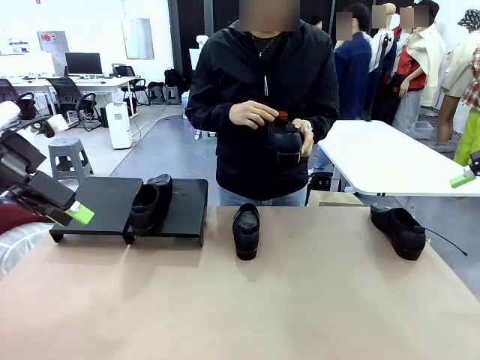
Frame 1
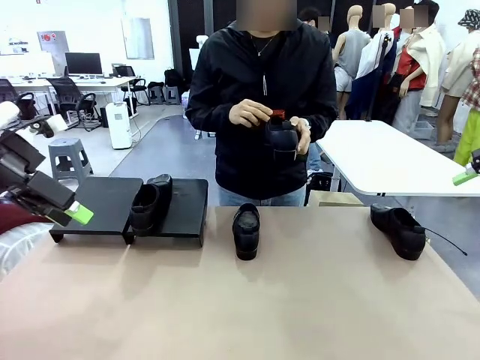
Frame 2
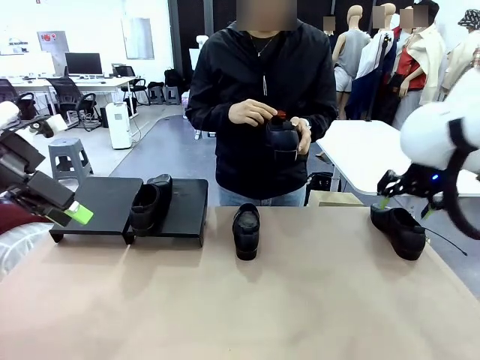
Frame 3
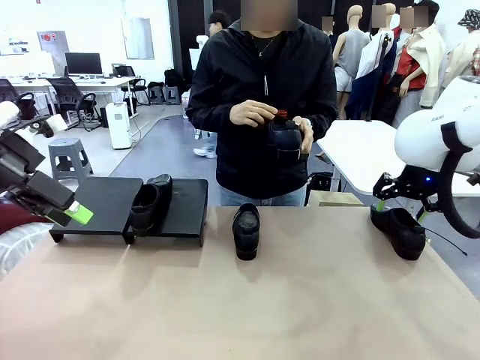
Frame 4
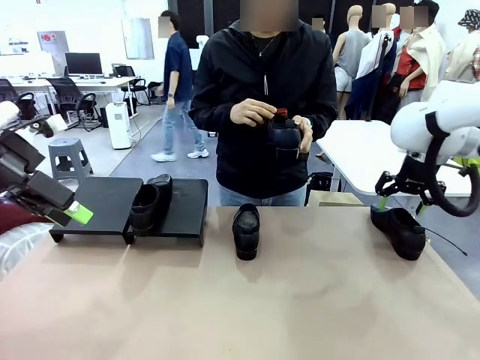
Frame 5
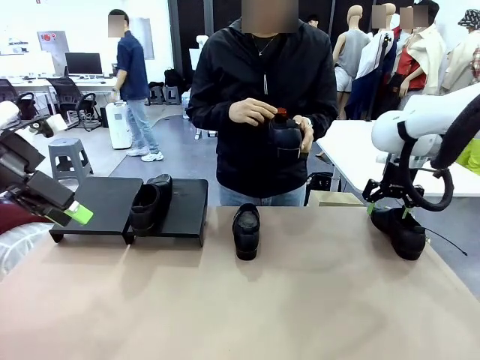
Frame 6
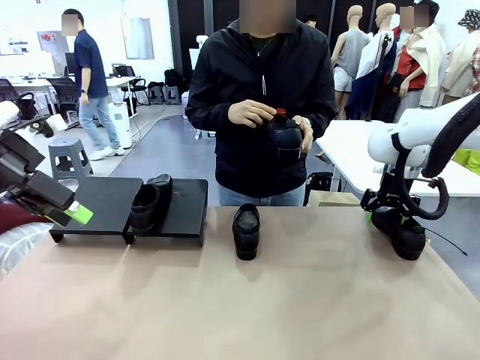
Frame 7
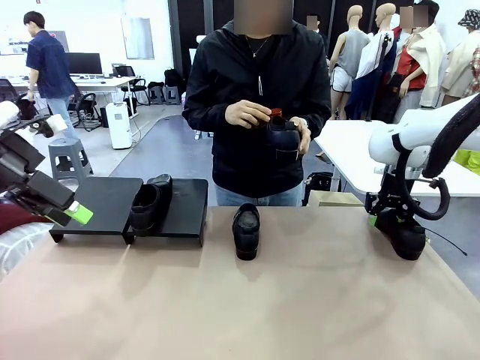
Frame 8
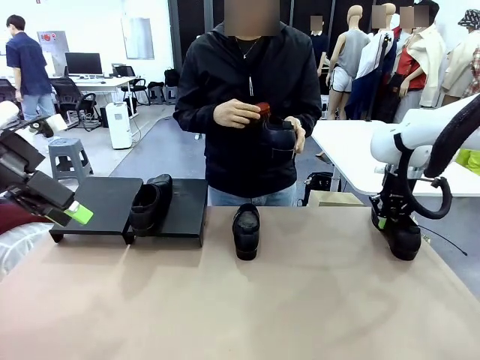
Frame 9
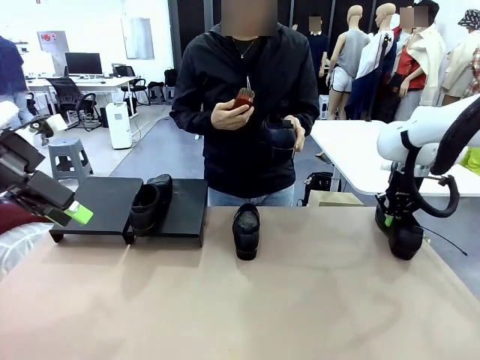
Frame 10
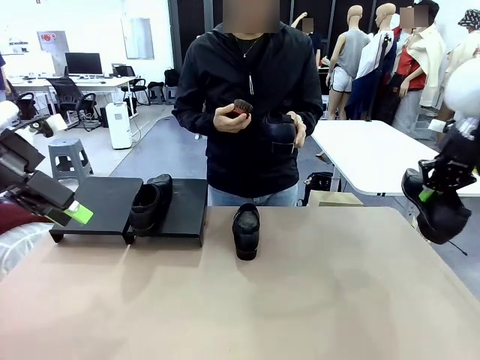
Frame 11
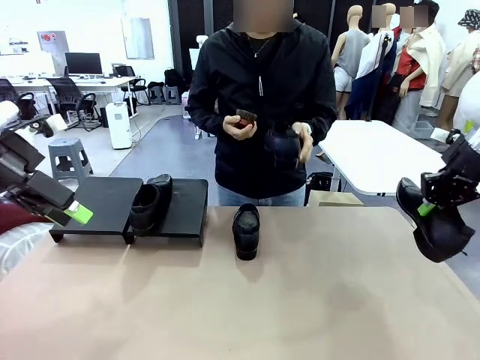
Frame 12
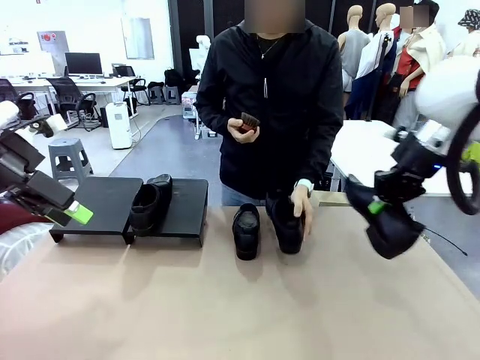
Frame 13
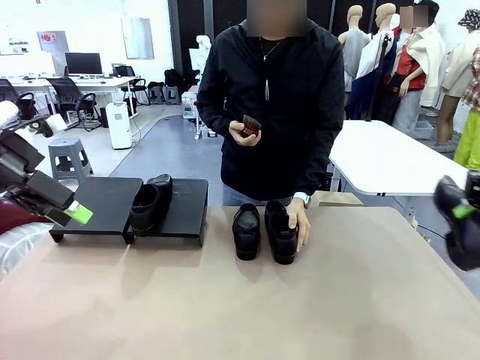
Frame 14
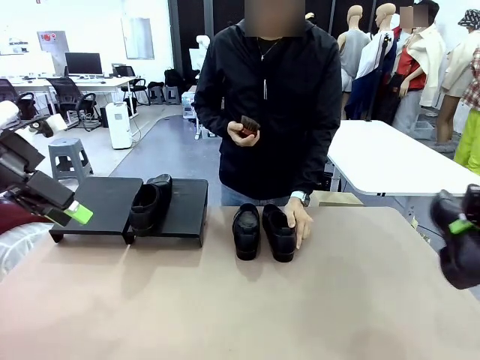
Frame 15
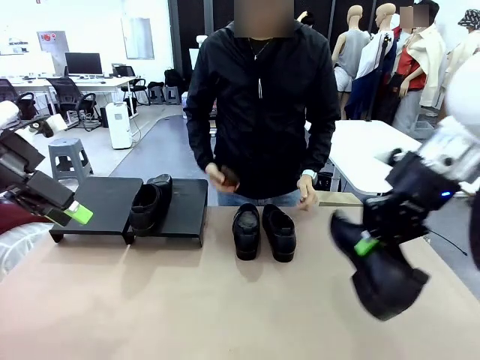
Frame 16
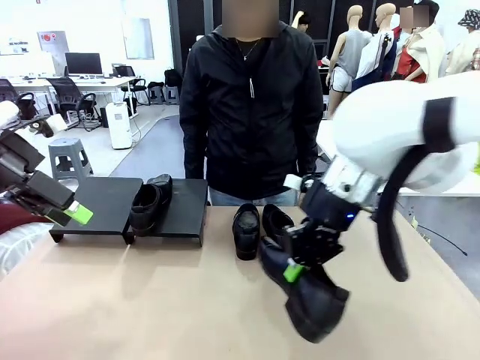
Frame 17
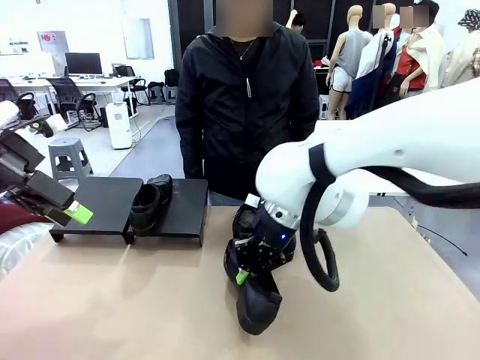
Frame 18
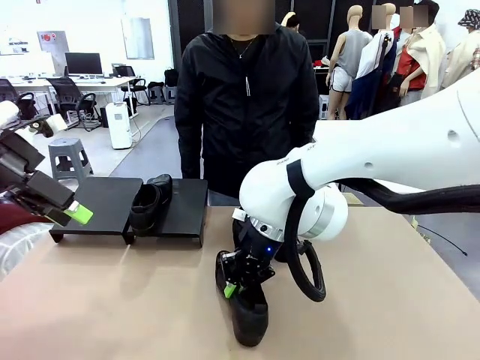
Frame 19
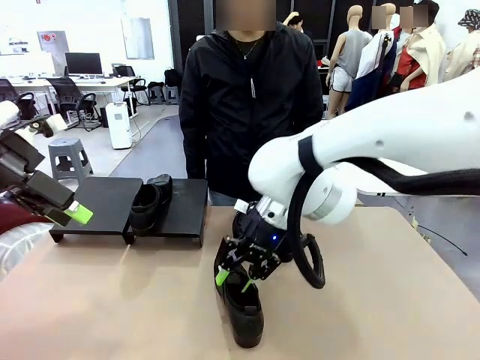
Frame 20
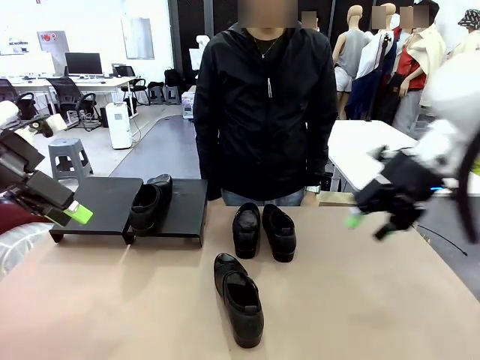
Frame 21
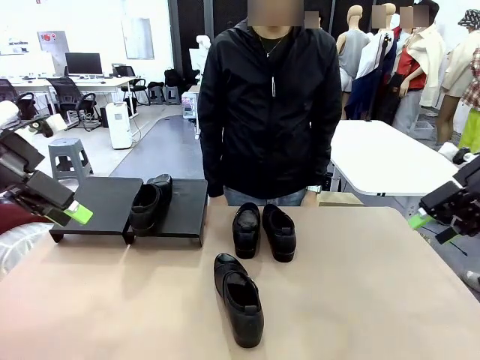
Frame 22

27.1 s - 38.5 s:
Task: Organize the shoes by placing them on the stand.
Robot: Pick up one Shoe and place it in the middle of the table.

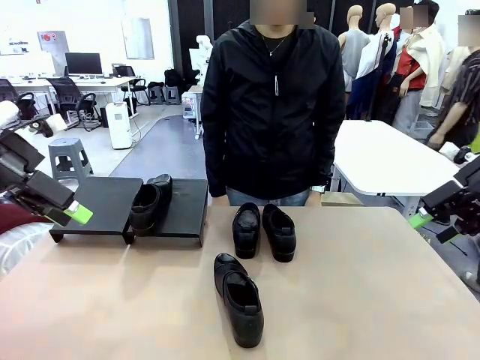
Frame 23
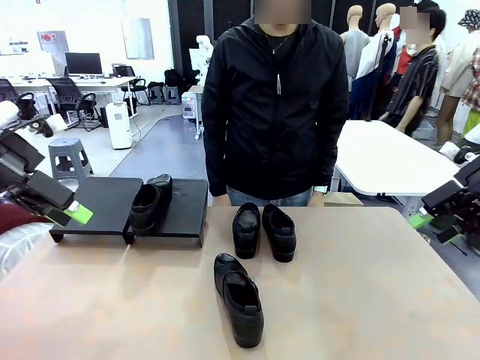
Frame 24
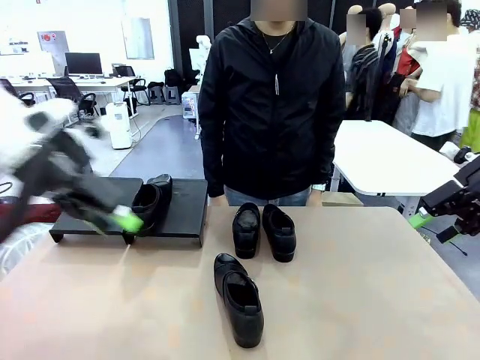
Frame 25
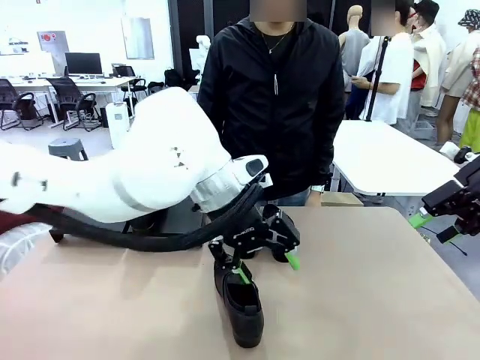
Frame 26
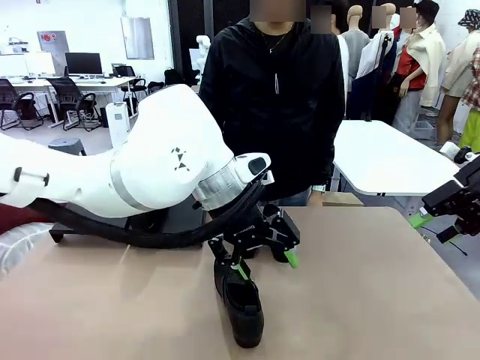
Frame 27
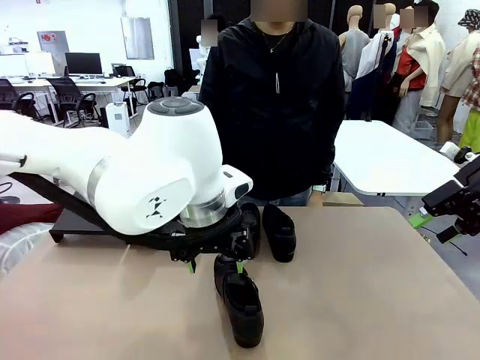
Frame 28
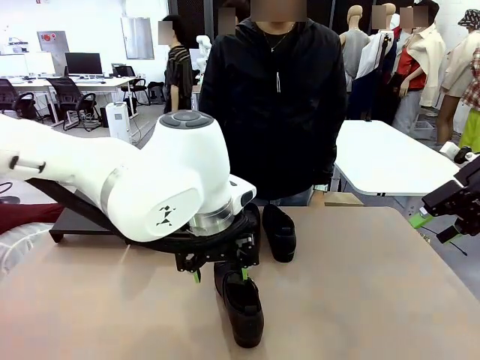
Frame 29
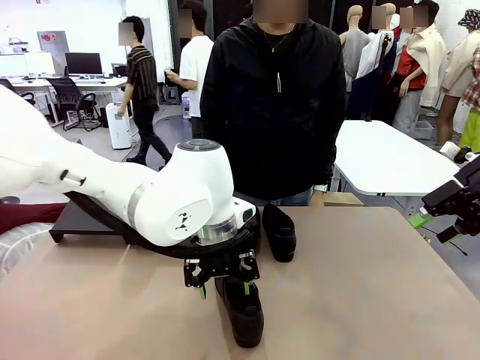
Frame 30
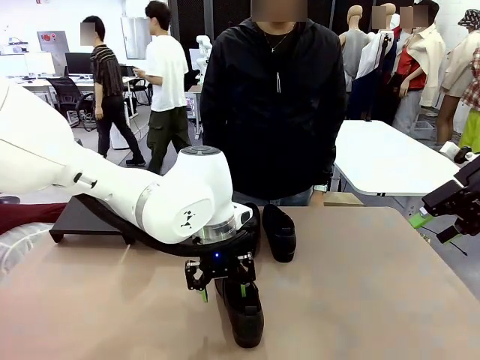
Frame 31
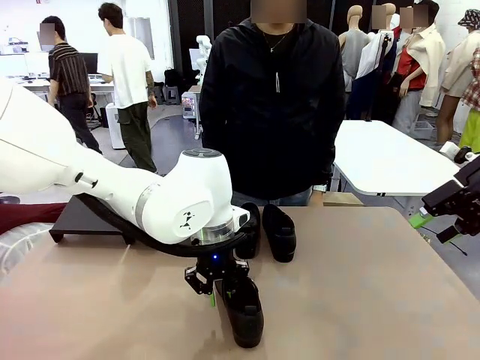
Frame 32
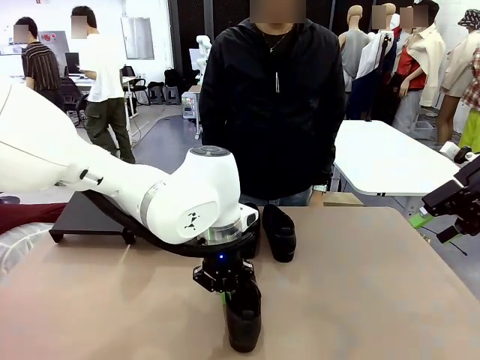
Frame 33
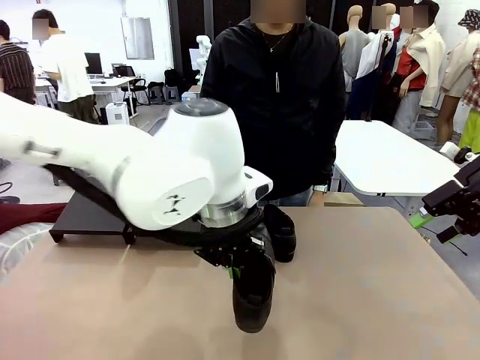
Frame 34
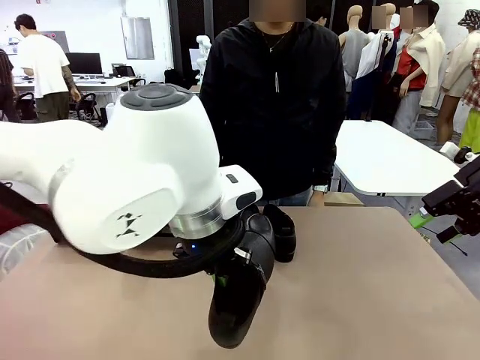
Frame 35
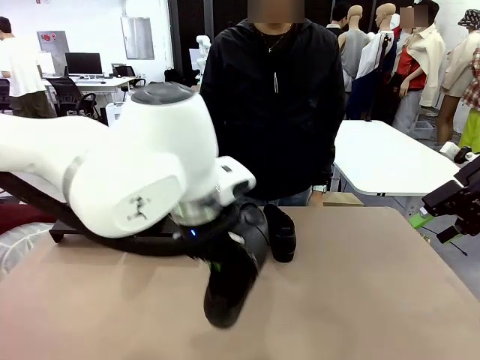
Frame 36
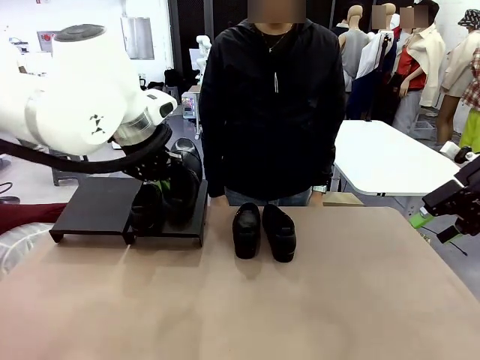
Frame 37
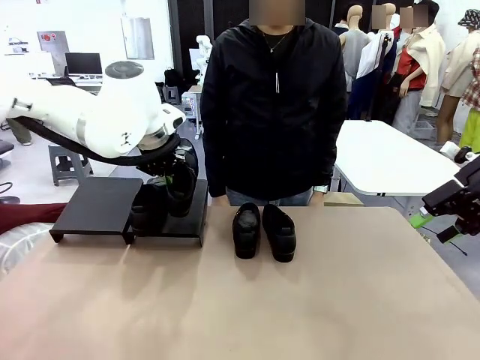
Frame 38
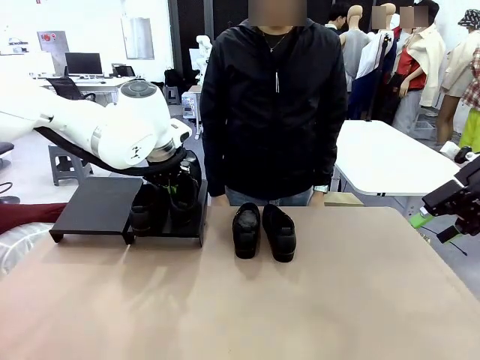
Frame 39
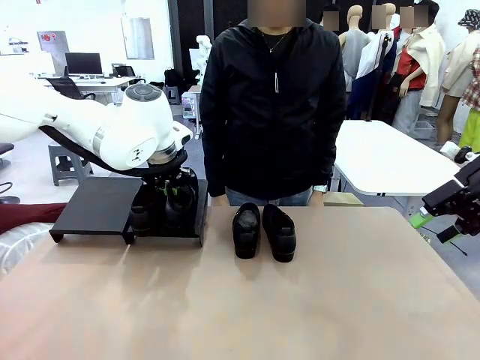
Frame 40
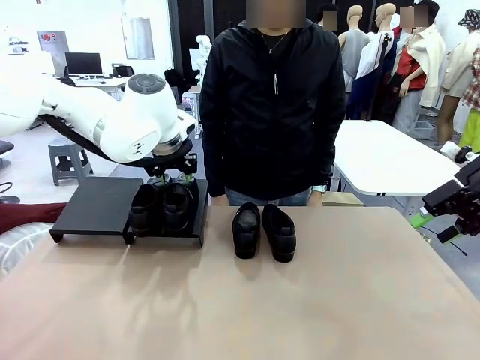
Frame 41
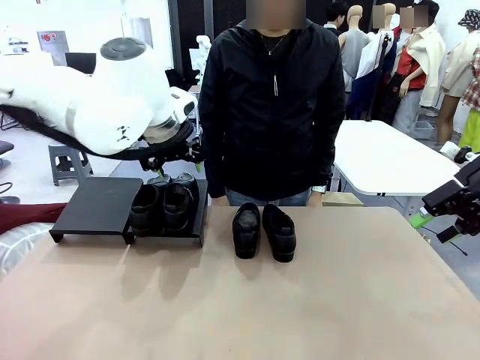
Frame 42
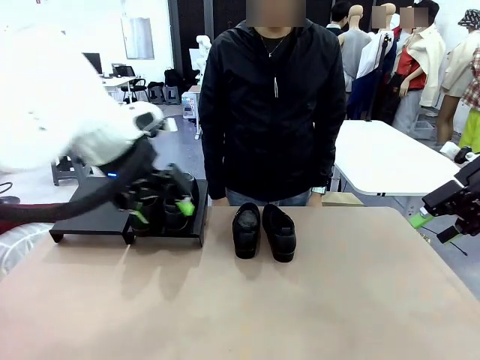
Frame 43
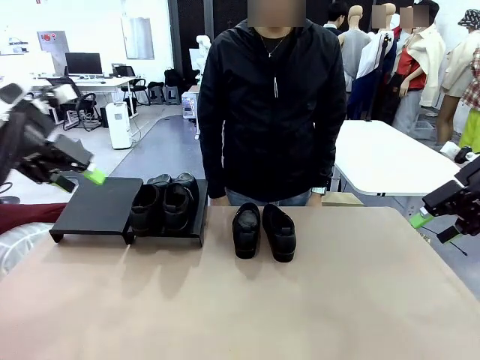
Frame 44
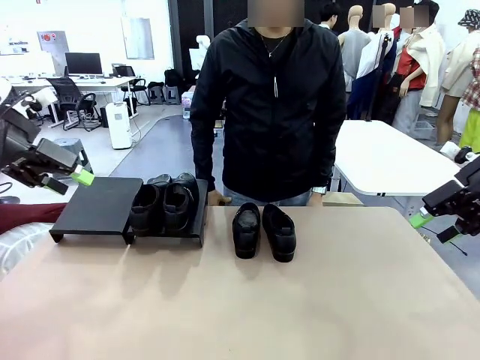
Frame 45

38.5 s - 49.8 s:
Robot: Place the Shoe from the middle of the table onto the Shoes Stand.

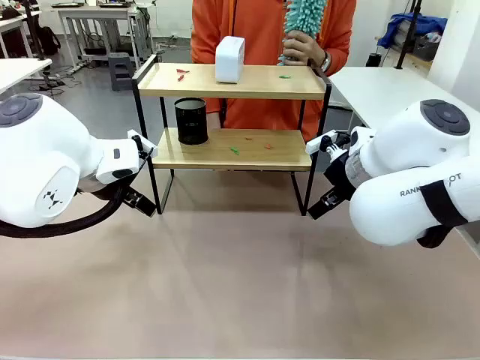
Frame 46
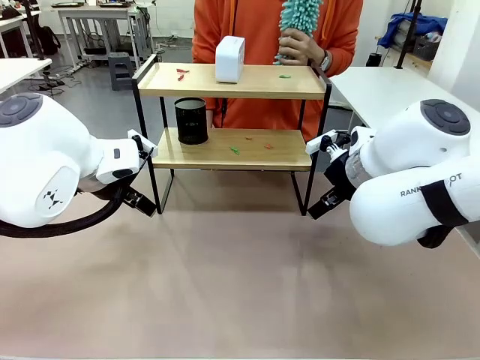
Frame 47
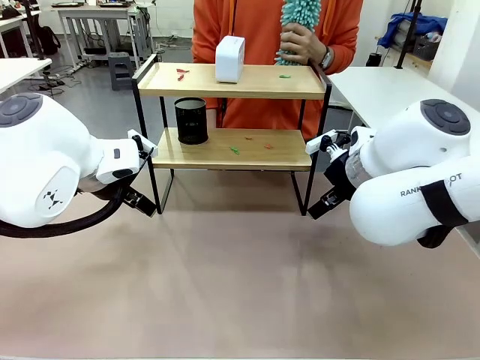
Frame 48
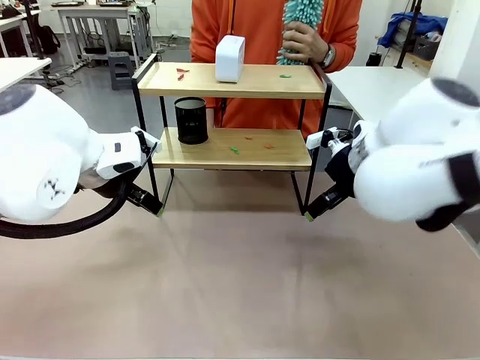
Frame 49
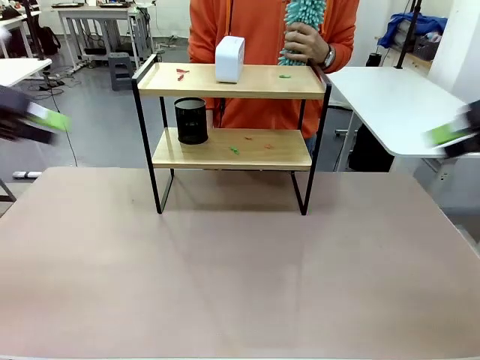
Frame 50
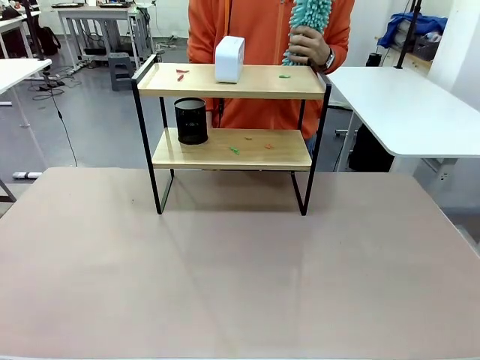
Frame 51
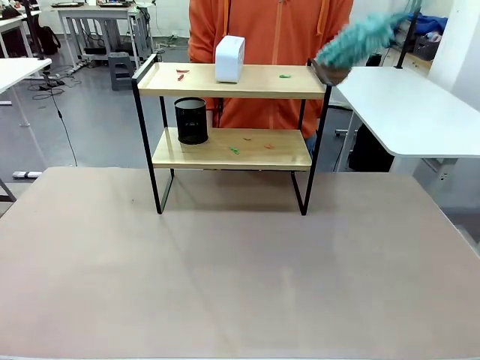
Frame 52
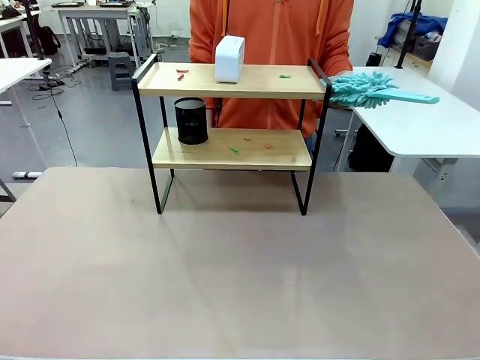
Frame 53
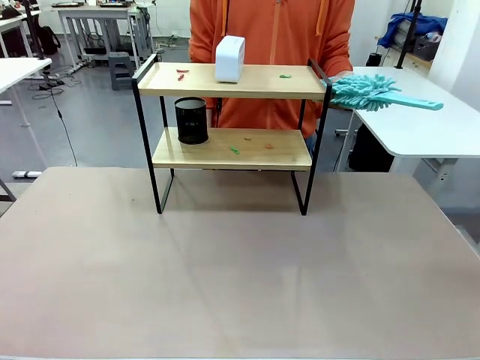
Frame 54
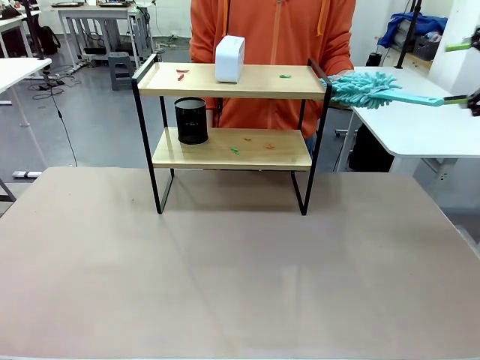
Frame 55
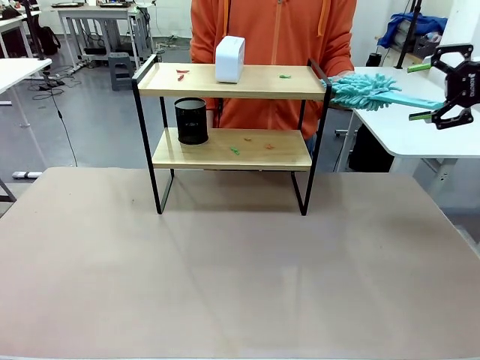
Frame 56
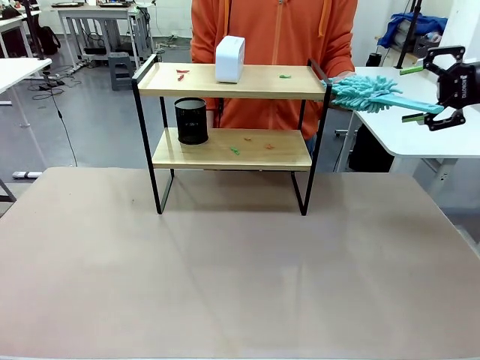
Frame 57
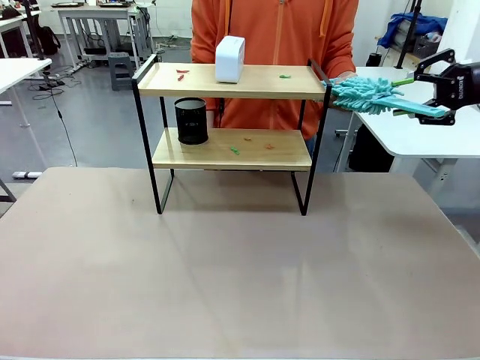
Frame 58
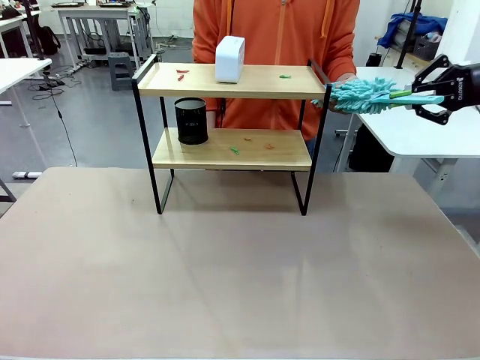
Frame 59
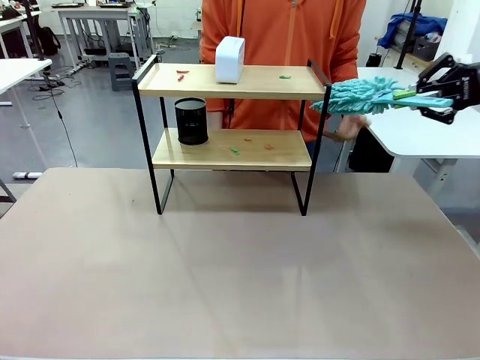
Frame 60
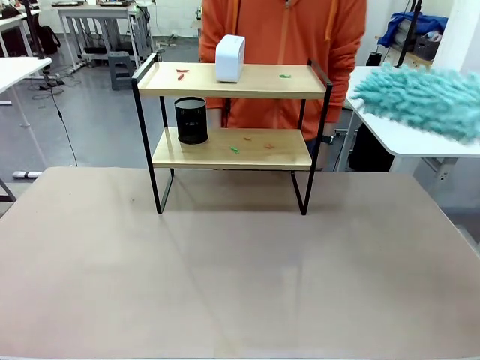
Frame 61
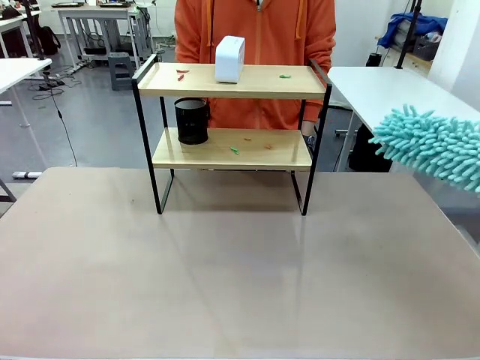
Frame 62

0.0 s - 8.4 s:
Task: Clean the shelf.
Robot: Pick up the Duster from the human.
Person: Hand the Duster to the robot.
